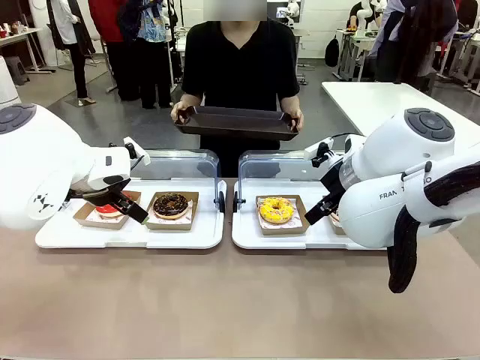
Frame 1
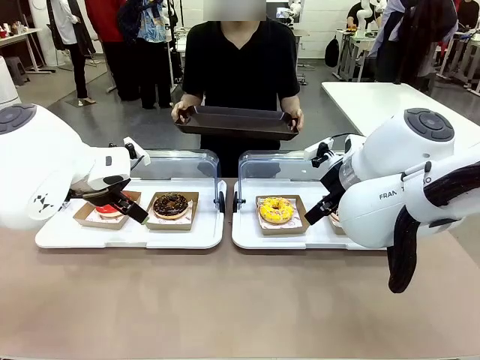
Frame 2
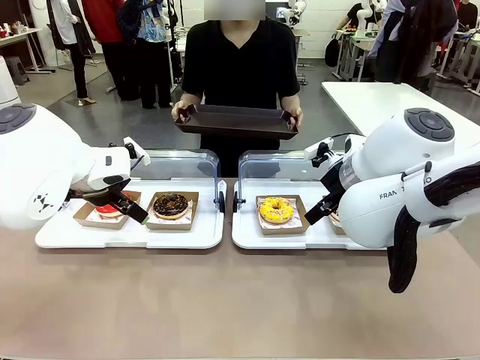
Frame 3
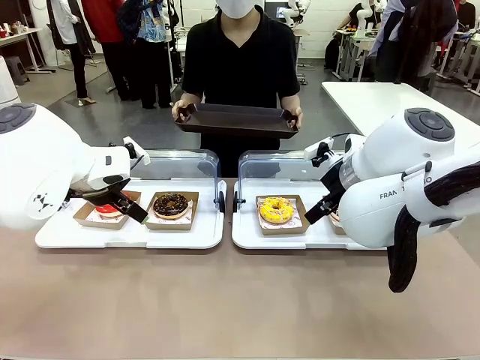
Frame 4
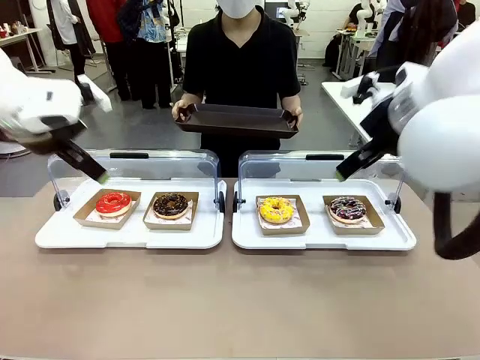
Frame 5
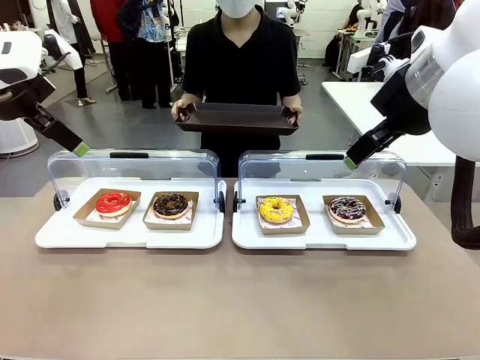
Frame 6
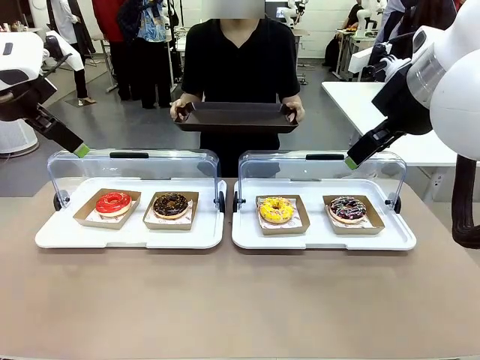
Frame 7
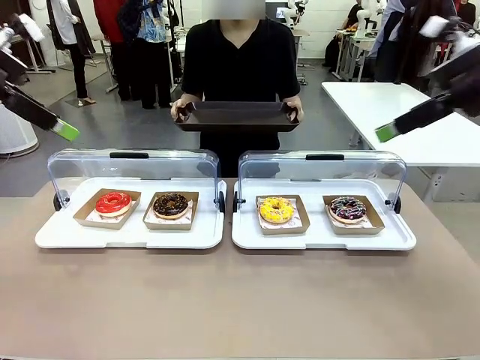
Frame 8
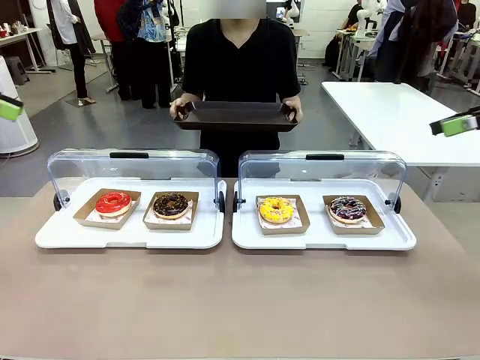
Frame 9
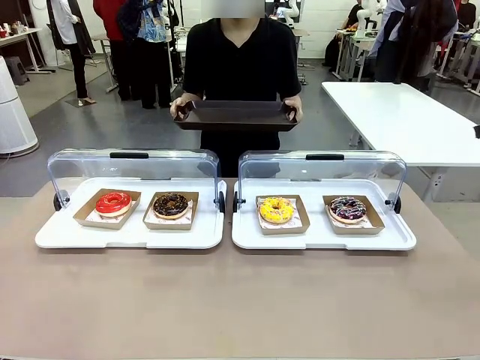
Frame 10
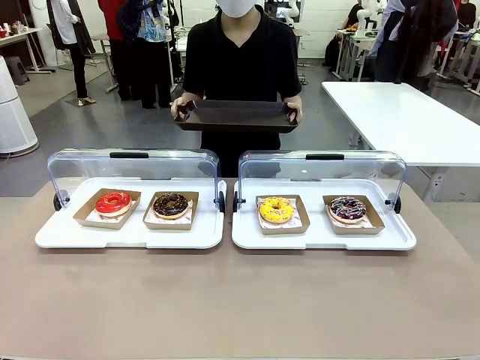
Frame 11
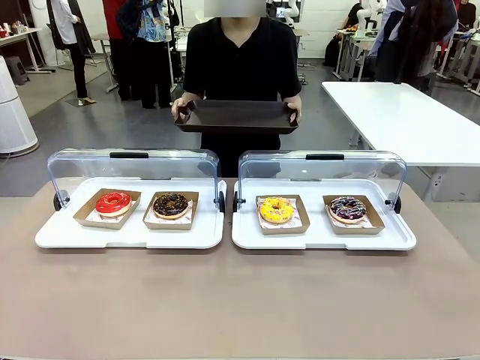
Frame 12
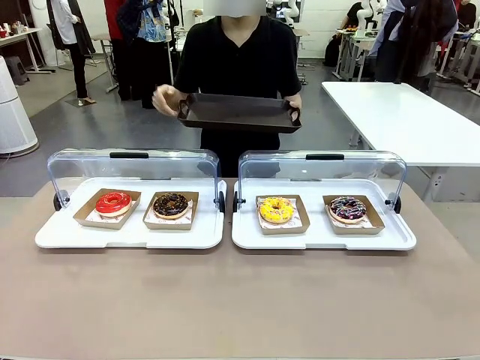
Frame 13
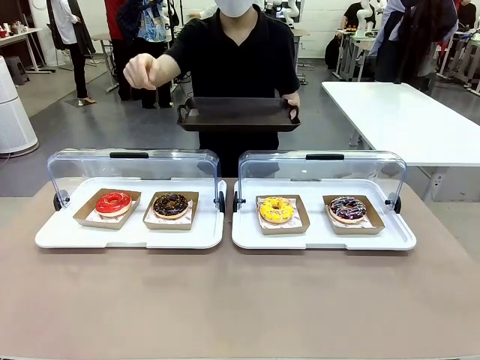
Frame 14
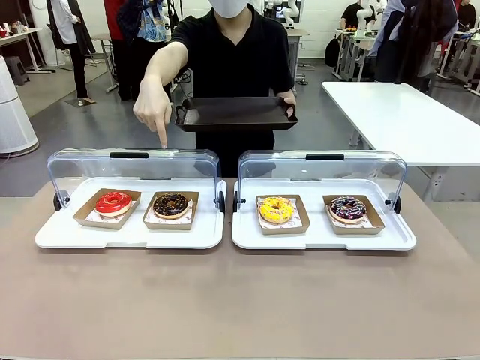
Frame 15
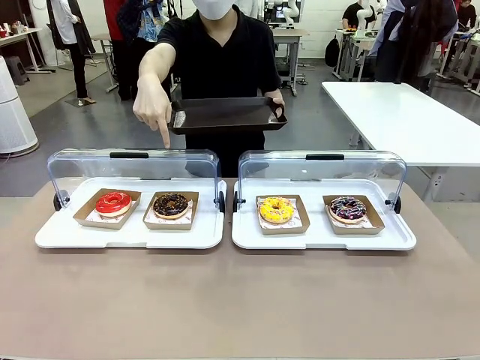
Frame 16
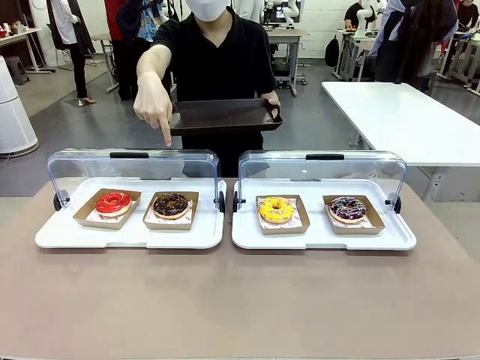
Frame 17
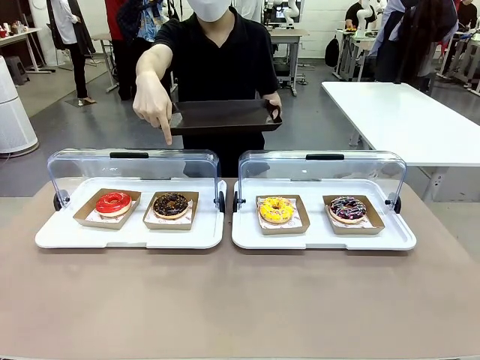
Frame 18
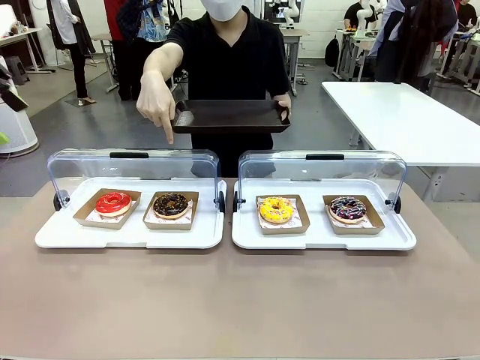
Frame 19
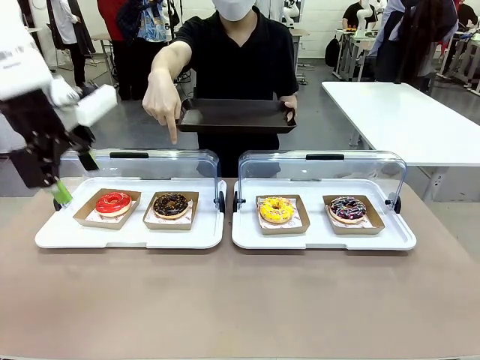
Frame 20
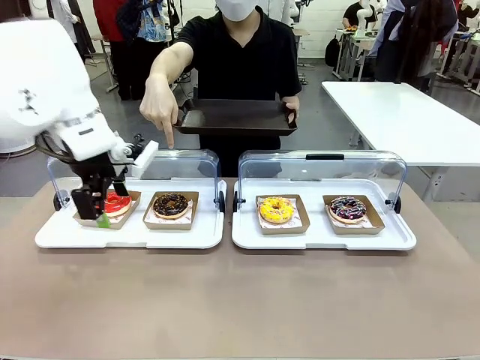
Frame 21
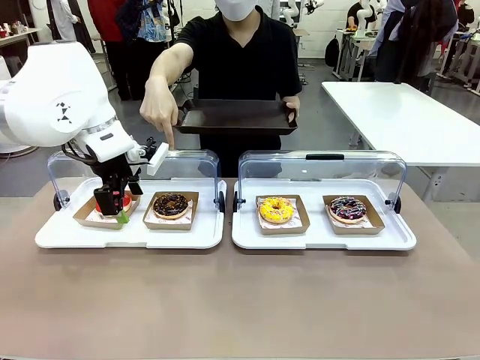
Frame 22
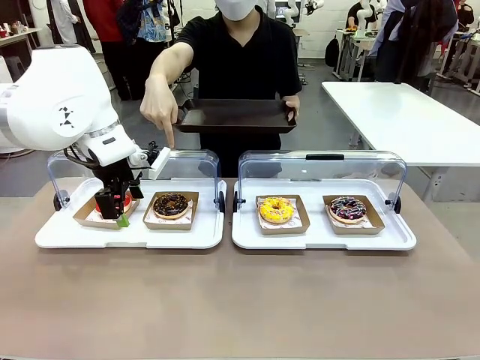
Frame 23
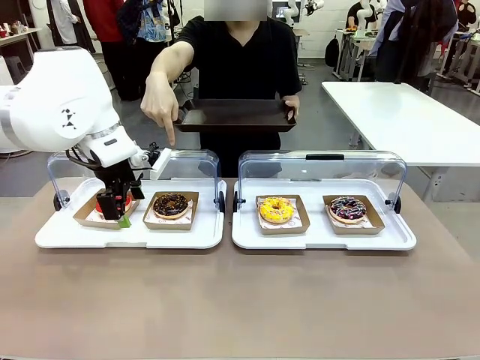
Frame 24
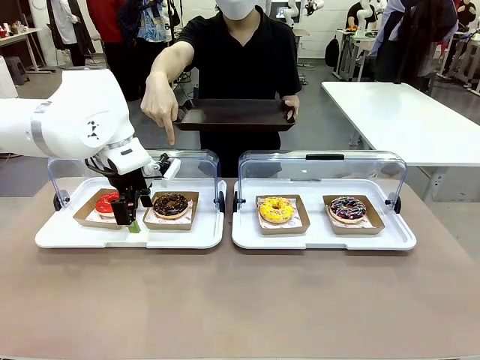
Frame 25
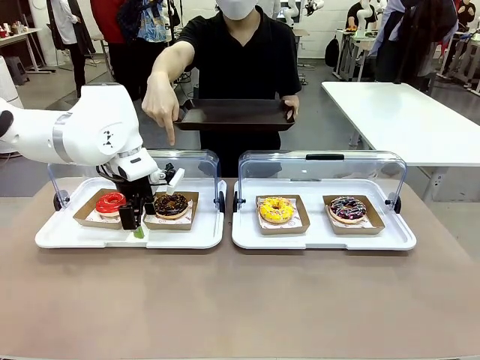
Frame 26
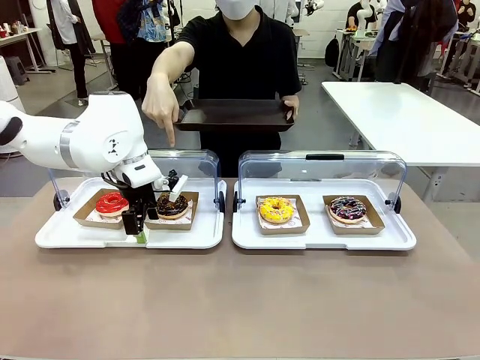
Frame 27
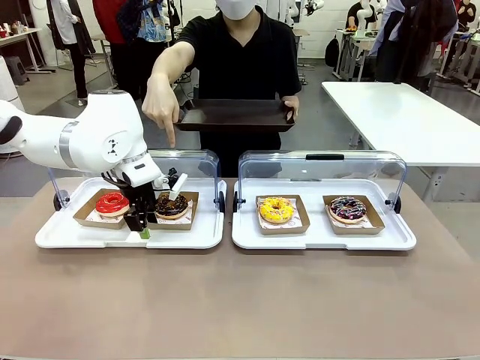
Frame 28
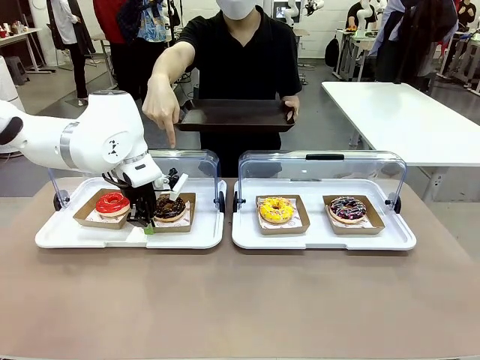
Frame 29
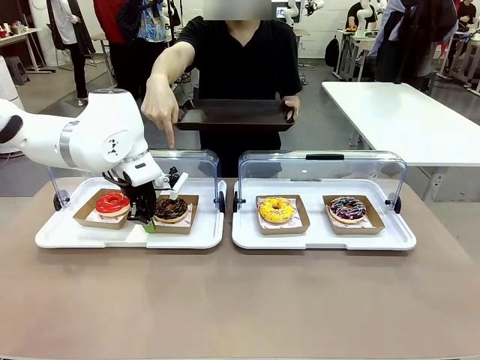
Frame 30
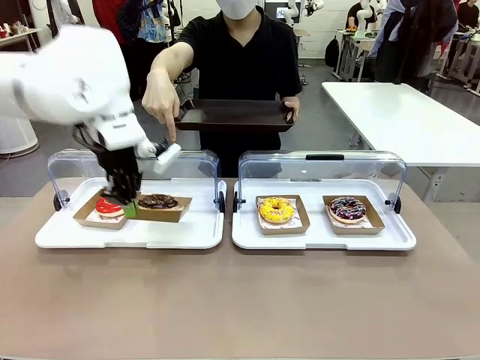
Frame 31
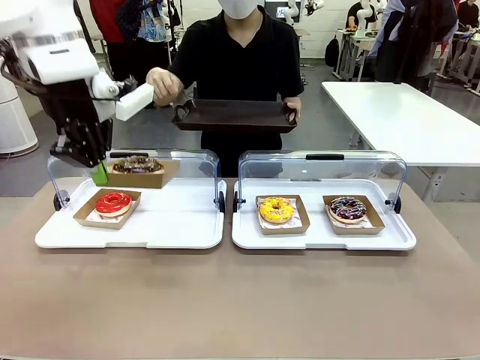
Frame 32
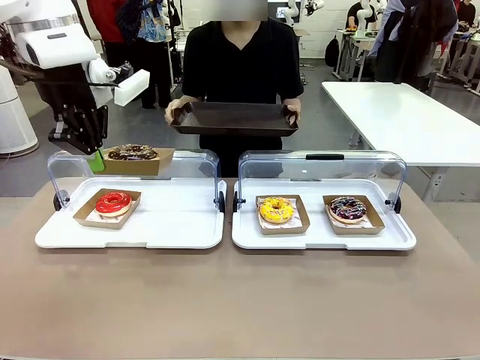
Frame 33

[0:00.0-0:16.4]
Task: Provide the desired donut to the person.
Robot: Pick up and lift the Paper togo box containing the Donut pointed at by the person.
Person: Point to one donut. Lift the tray onto the Roll-Top Bakery Case.

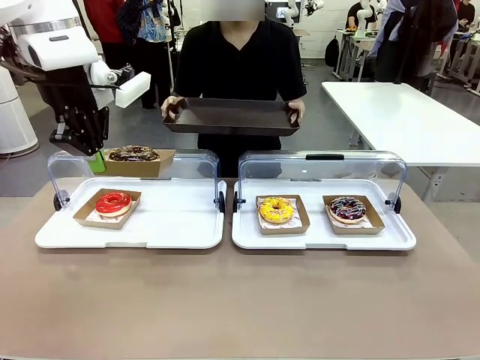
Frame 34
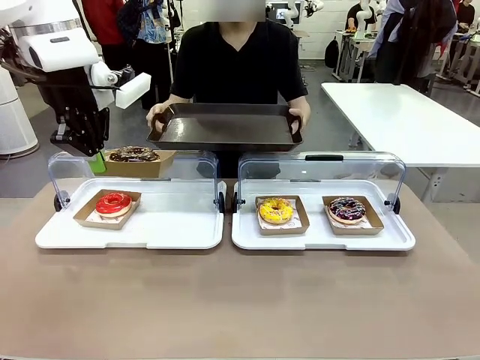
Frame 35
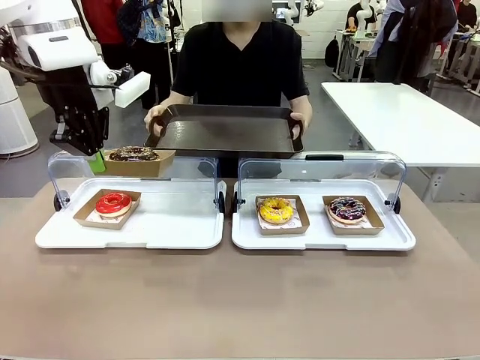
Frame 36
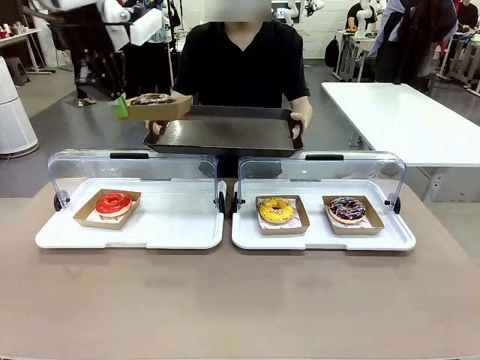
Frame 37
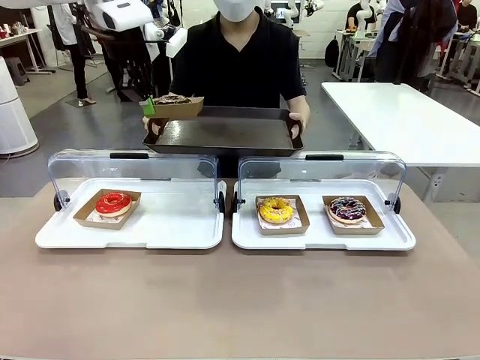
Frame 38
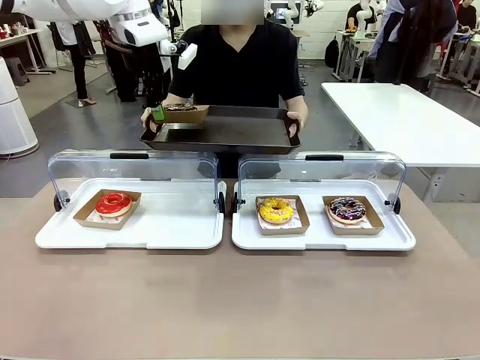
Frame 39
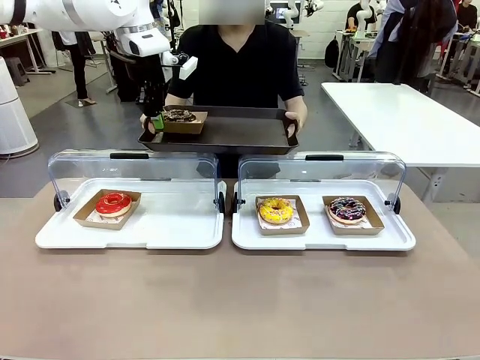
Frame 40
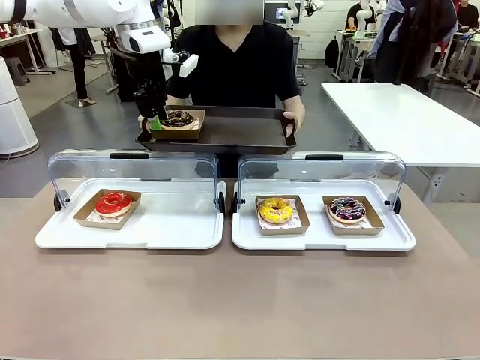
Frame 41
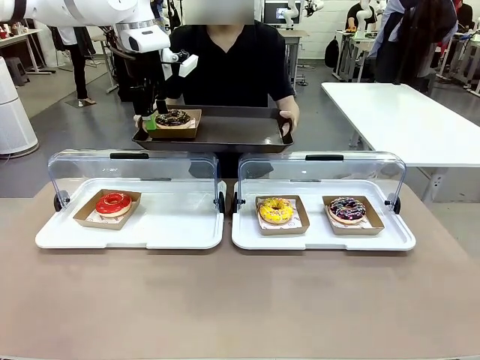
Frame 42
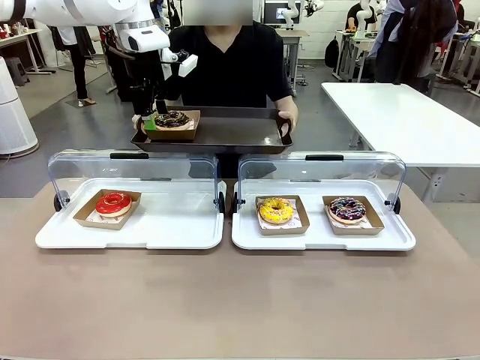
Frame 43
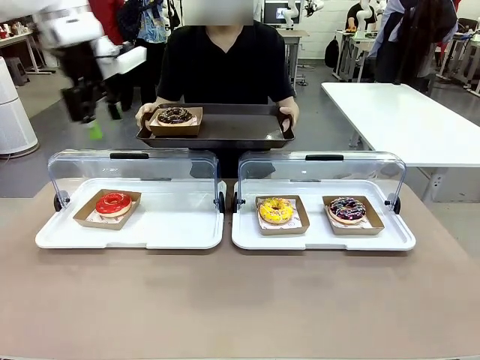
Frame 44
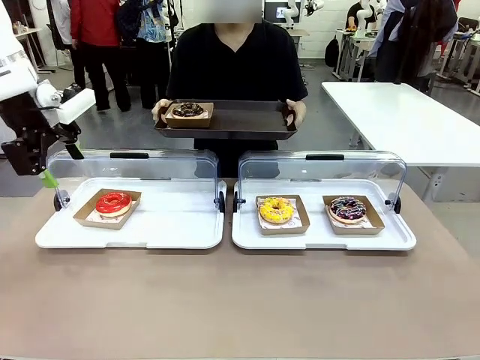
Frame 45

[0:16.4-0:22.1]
Robot: Place the picked Paper togo box onto the Handle tray extended by the person.
